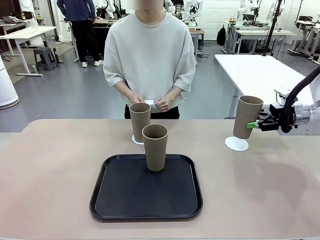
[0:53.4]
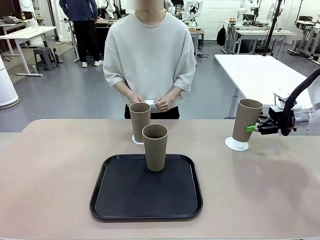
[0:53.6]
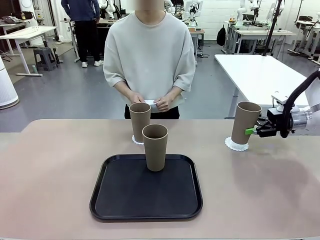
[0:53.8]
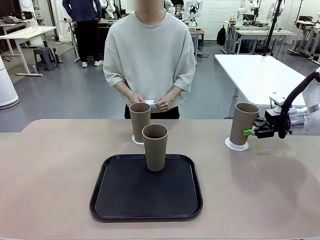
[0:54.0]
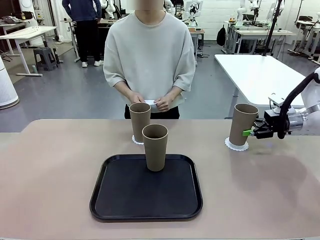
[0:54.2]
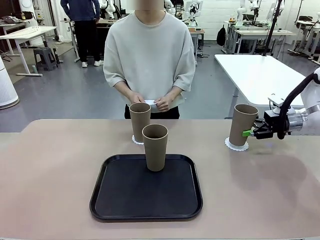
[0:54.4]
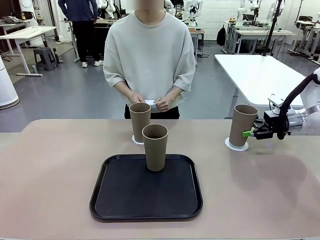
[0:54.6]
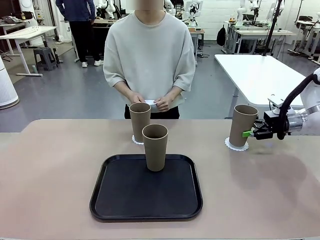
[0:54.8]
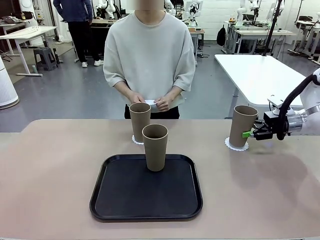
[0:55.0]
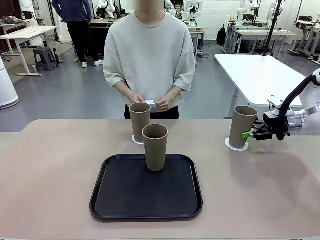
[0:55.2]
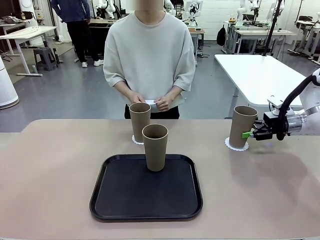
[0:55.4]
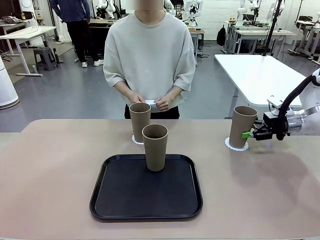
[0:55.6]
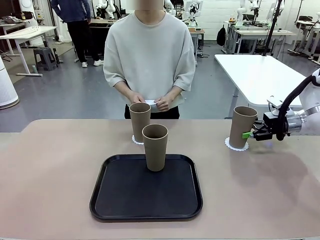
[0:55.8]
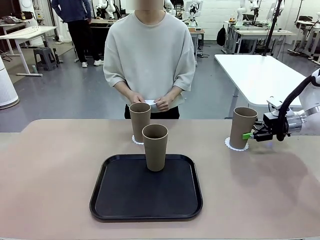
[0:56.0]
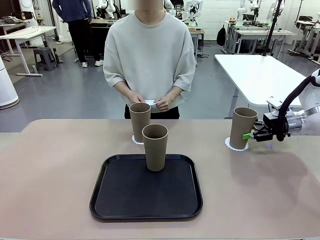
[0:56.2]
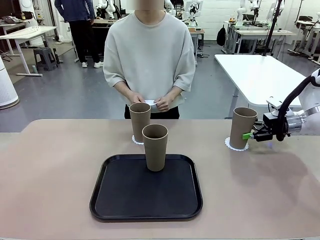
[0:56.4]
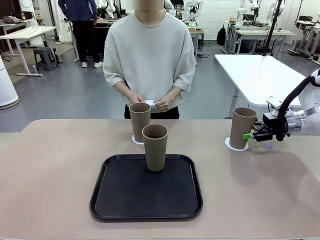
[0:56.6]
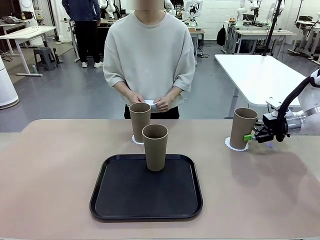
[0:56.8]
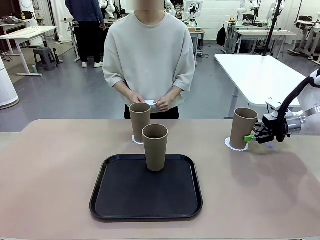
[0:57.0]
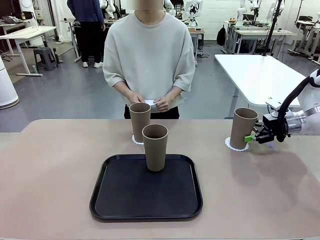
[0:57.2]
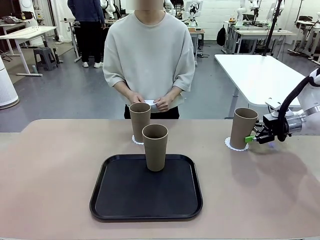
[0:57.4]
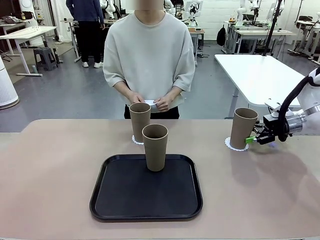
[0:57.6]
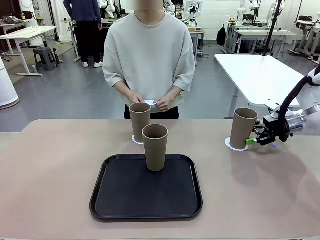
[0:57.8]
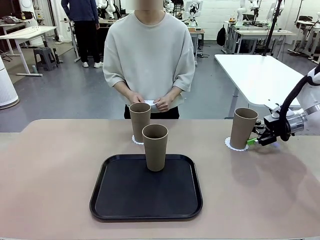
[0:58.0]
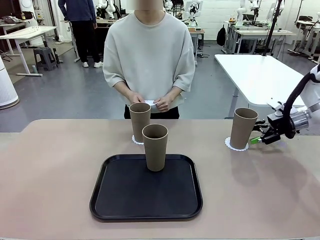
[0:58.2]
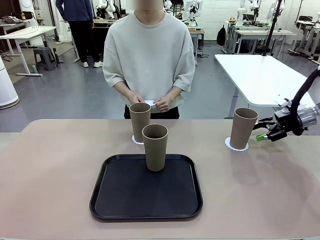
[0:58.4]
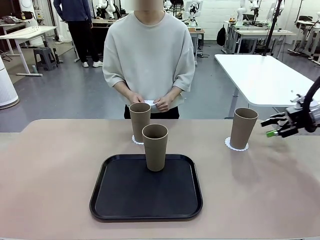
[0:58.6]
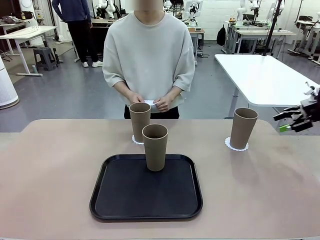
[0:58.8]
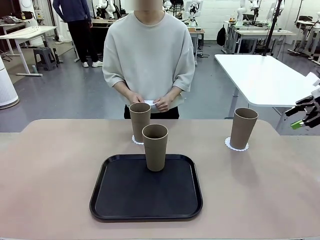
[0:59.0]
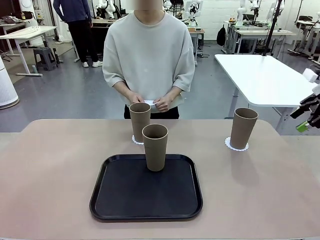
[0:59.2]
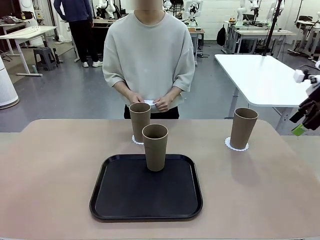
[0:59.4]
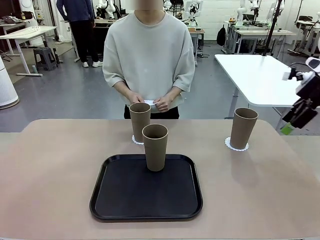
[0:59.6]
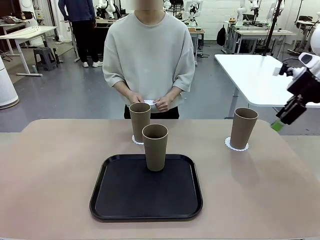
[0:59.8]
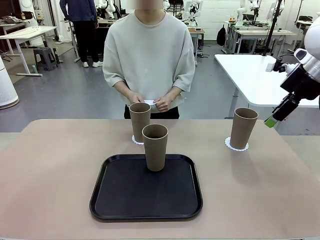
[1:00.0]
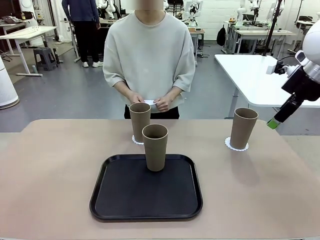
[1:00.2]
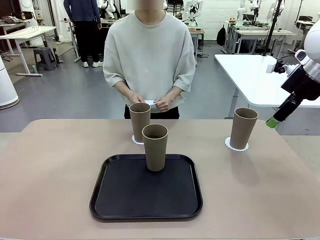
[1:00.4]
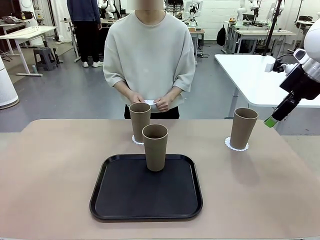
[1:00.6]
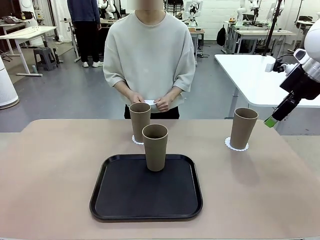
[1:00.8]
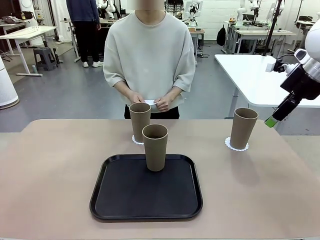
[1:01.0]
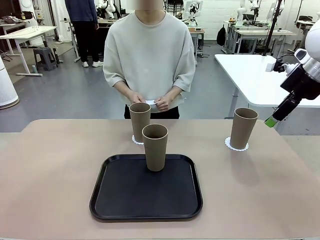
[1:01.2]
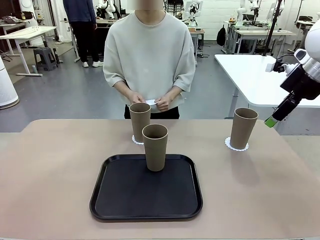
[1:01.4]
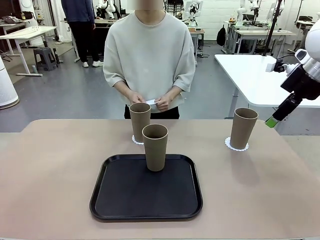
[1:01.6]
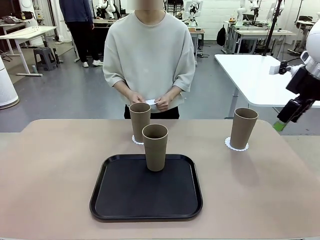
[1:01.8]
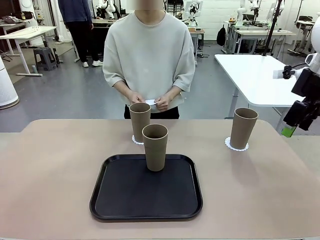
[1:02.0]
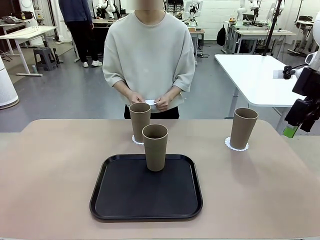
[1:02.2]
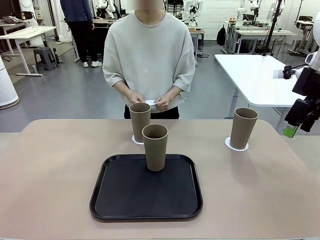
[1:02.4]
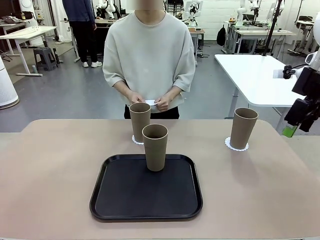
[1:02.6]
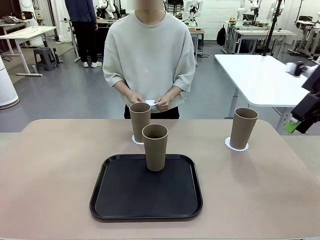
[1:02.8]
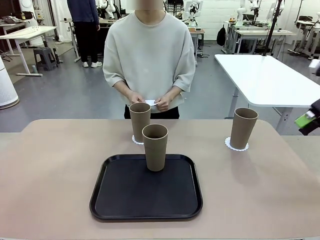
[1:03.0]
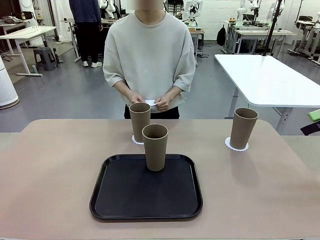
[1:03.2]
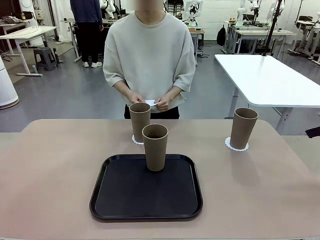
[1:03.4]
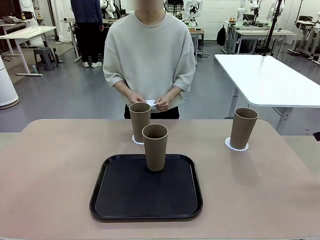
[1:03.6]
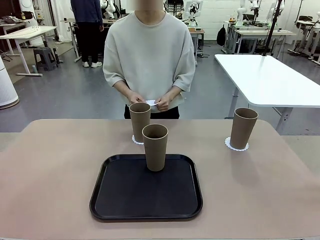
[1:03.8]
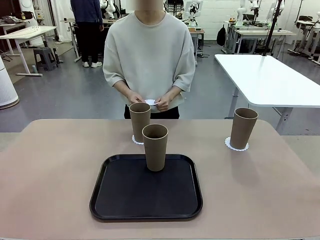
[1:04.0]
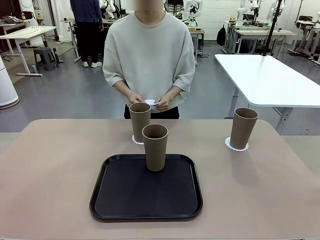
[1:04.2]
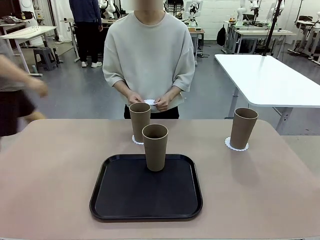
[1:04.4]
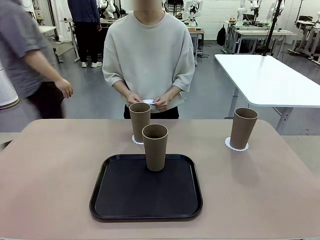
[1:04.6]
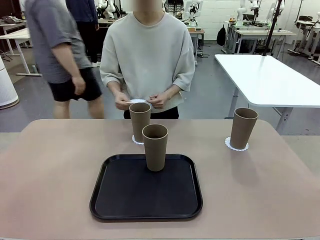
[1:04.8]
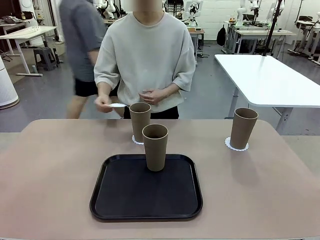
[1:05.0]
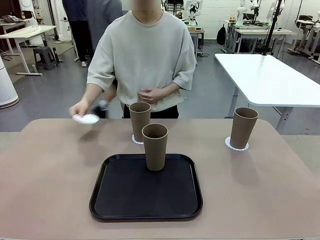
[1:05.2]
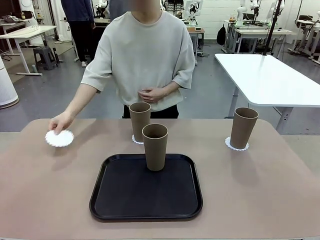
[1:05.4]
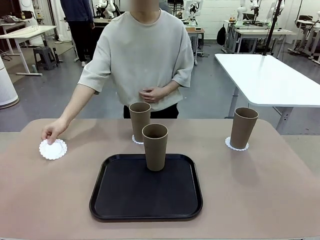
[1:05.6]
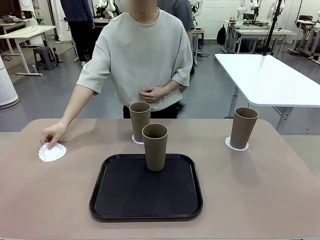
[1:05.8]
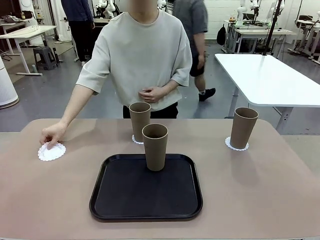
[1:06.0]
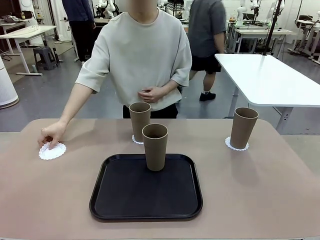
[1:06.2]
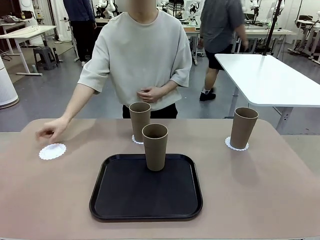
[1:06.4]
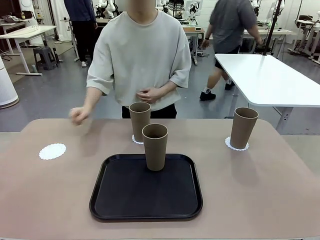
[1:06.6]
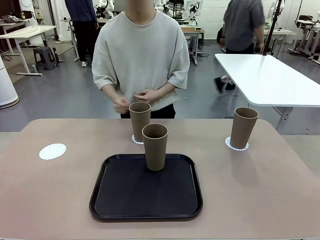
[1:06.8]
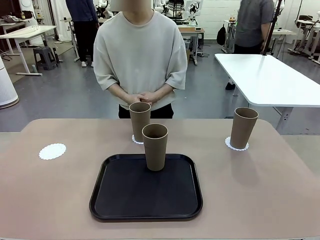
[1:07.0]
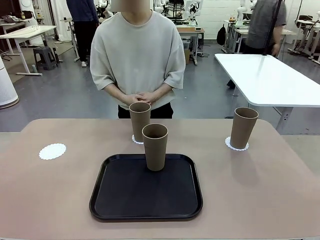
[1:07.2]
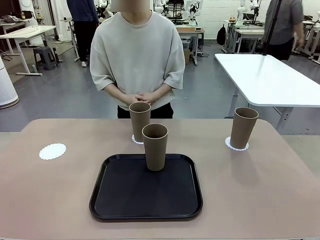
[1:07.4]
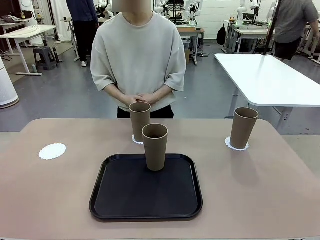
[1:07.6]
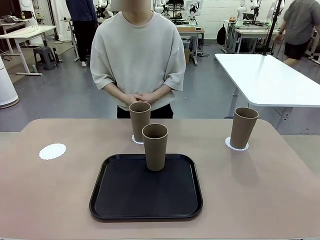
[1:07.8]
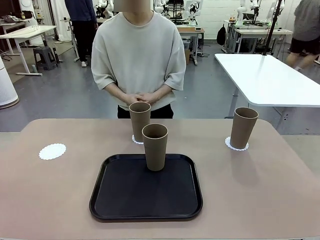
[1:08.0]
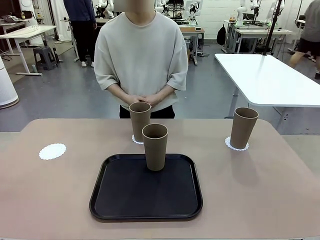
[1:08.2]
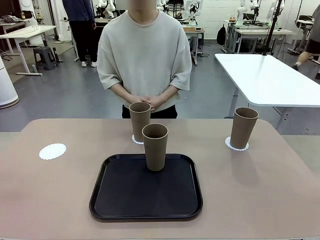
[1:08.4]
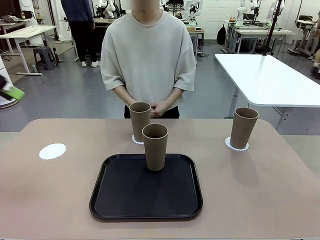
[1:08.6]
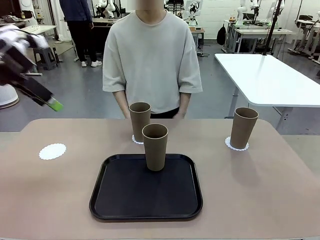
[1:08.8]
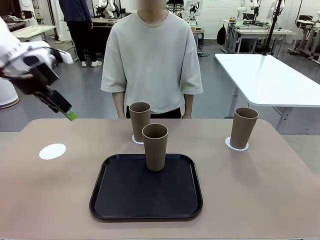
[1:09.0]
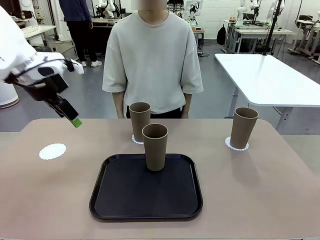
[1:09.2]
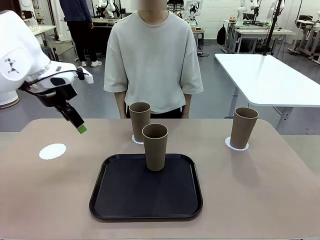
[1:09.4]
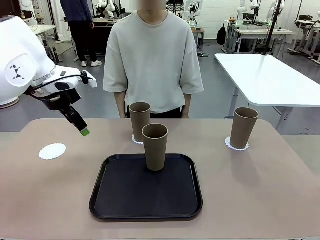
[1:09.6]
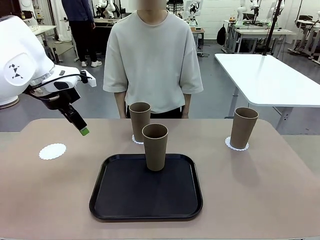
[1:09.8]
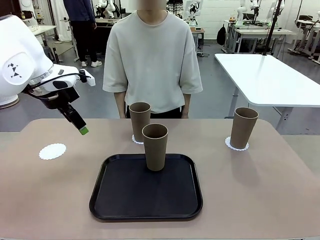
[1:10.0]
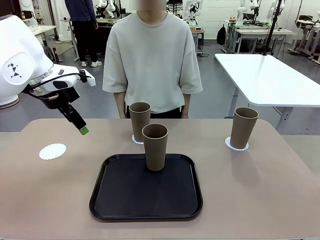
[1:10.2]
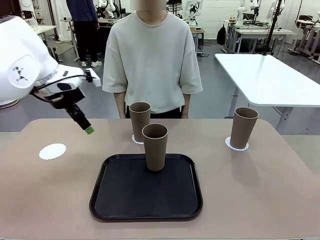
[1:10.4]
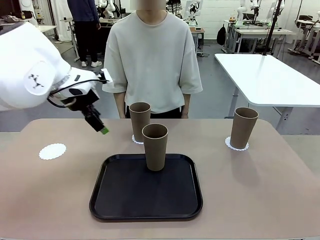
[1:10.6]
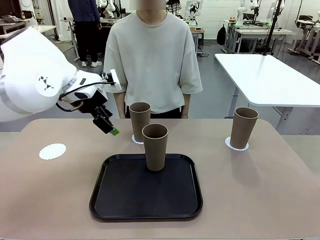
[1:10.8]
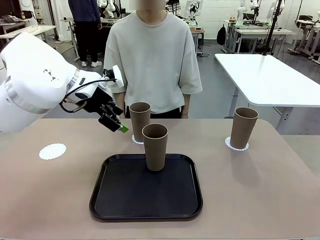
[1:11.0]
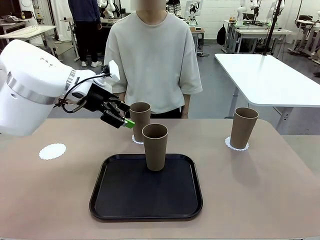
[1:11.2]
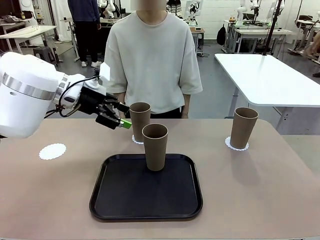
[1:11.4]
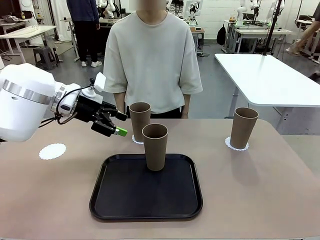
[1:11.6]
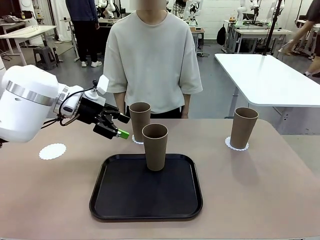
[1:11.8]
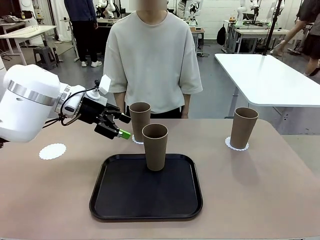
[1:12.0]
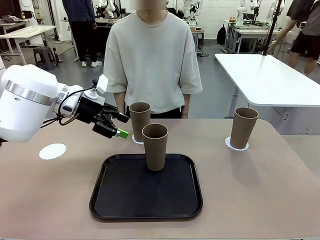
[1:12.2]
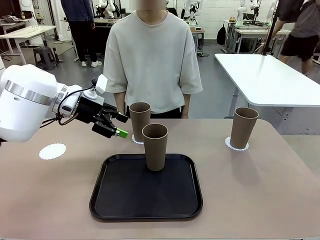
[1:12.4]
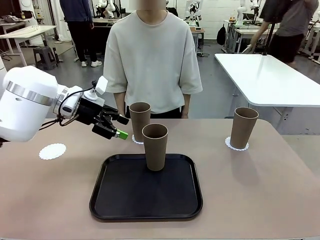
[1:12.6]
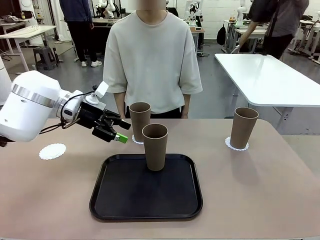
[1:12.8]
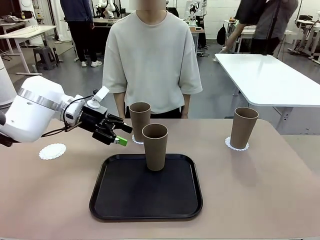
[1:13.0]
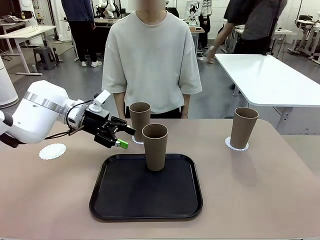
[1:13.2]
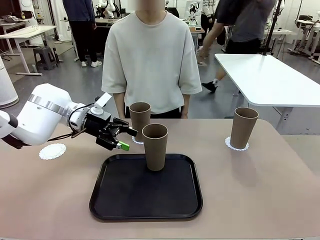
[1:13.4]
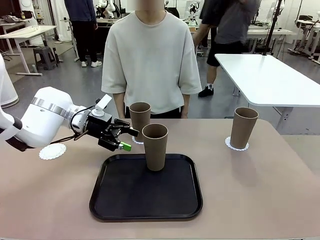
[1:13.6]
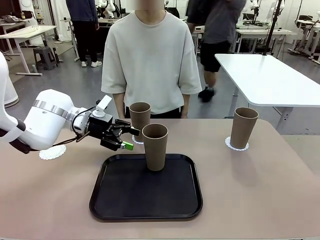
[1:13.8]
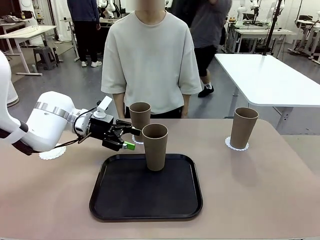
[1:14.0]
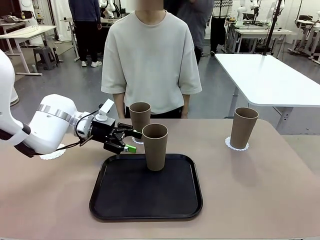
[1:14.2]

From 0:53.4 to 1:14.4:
Task: Place coasters on the table and set cups on them.
Robot: Take one Reusable plastic cup from the Flat Tray and place it on a coaster set by the human.
